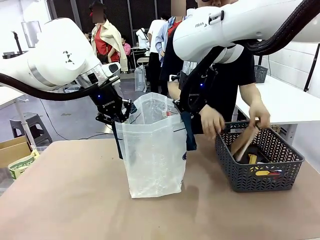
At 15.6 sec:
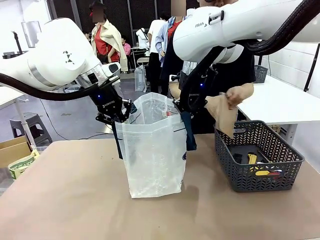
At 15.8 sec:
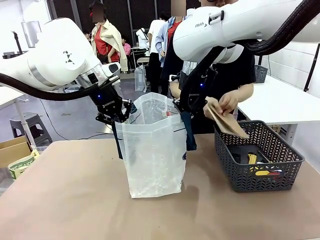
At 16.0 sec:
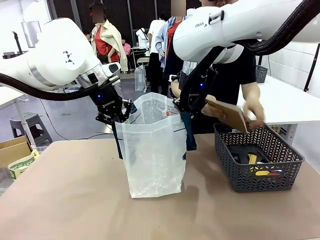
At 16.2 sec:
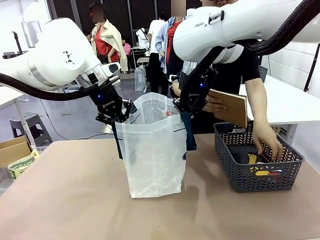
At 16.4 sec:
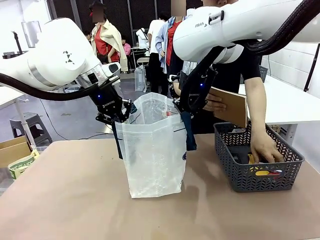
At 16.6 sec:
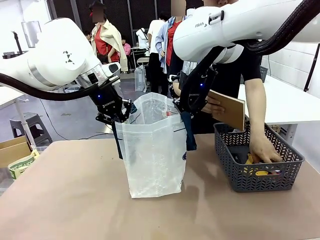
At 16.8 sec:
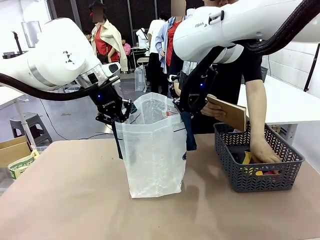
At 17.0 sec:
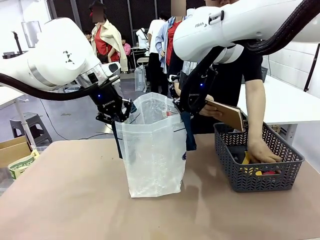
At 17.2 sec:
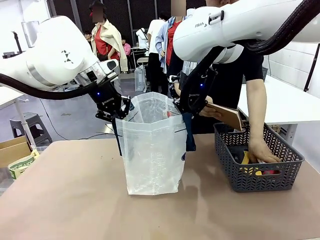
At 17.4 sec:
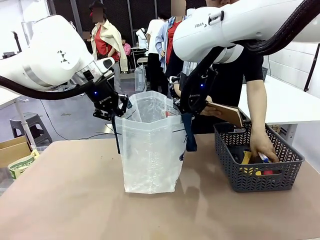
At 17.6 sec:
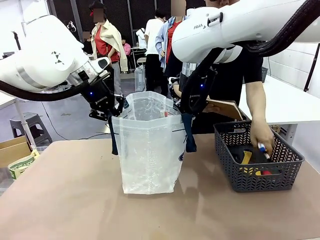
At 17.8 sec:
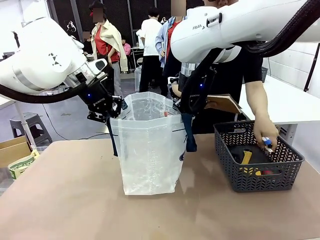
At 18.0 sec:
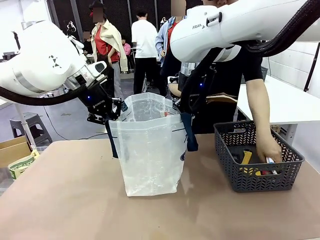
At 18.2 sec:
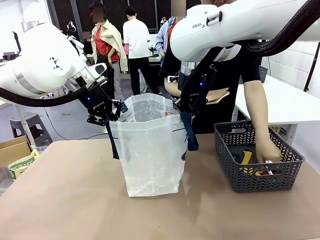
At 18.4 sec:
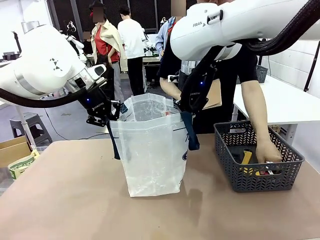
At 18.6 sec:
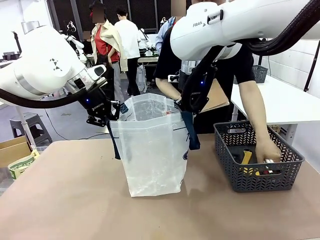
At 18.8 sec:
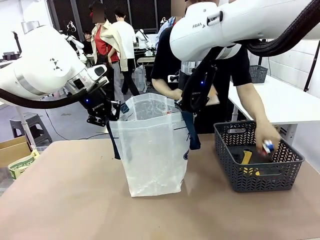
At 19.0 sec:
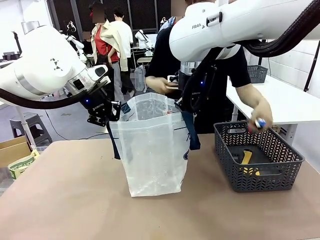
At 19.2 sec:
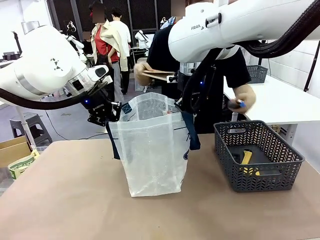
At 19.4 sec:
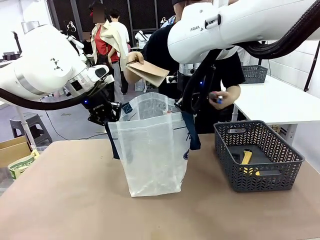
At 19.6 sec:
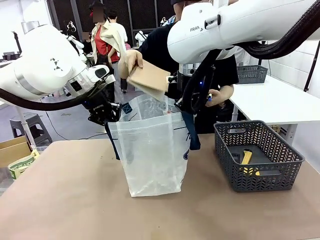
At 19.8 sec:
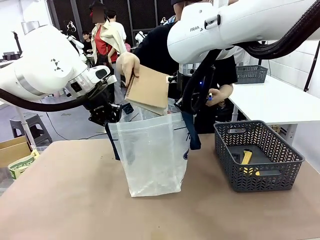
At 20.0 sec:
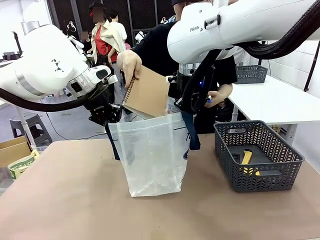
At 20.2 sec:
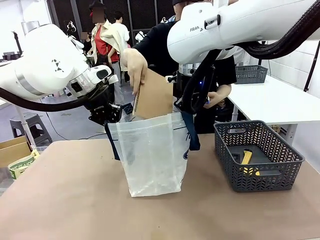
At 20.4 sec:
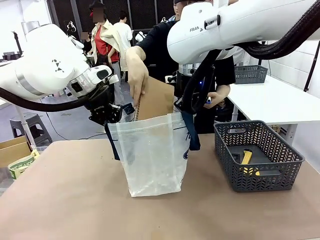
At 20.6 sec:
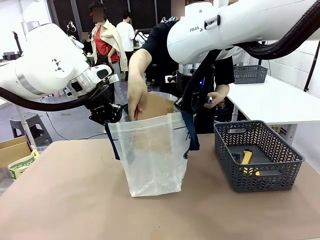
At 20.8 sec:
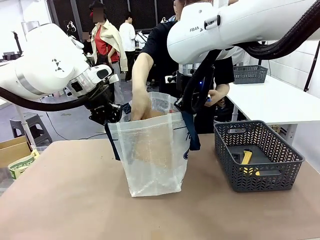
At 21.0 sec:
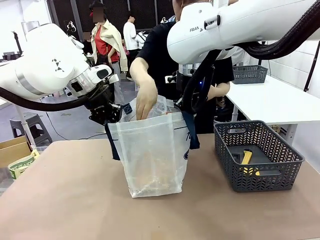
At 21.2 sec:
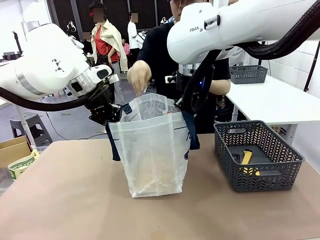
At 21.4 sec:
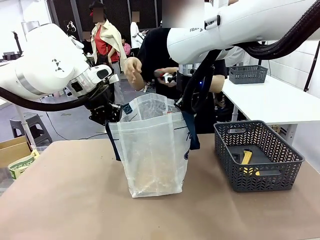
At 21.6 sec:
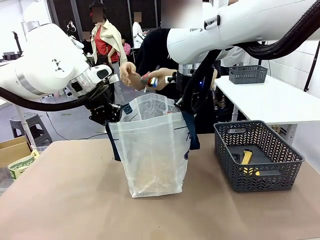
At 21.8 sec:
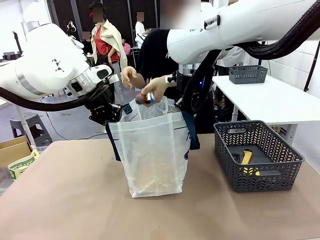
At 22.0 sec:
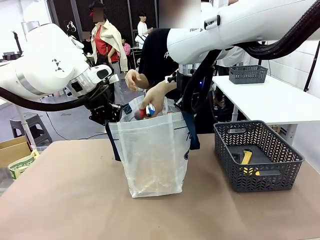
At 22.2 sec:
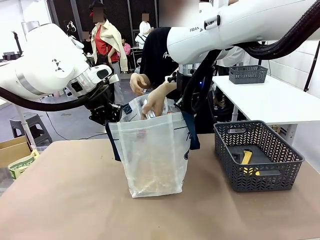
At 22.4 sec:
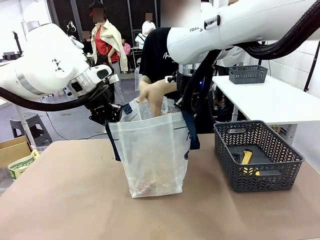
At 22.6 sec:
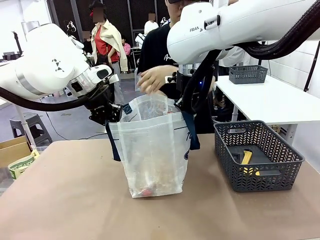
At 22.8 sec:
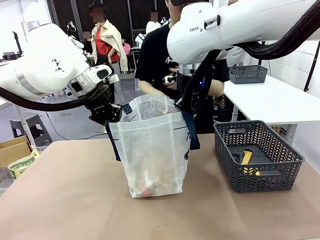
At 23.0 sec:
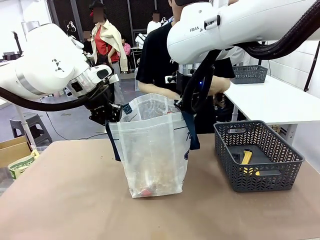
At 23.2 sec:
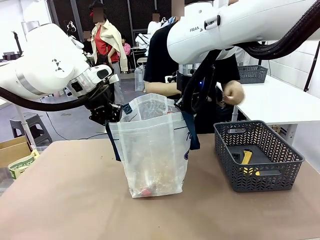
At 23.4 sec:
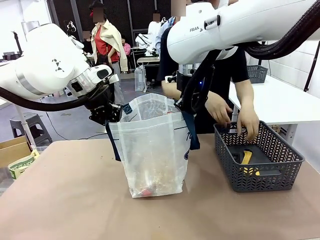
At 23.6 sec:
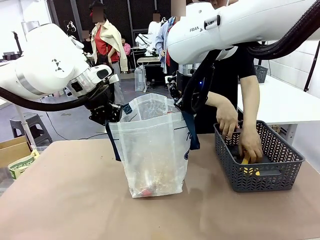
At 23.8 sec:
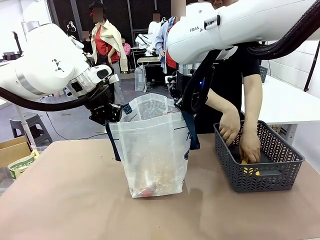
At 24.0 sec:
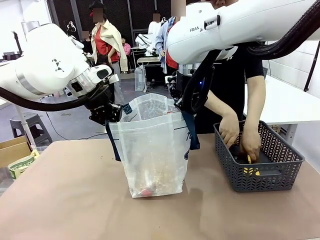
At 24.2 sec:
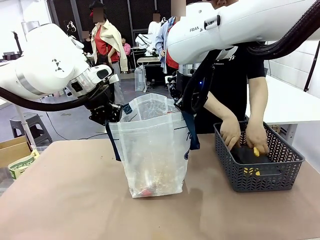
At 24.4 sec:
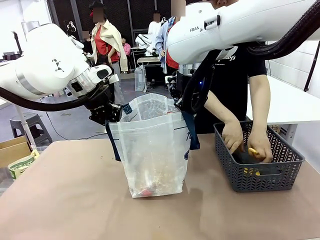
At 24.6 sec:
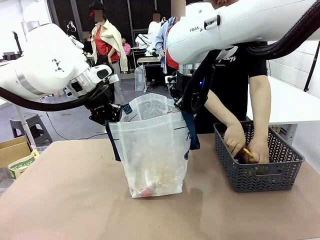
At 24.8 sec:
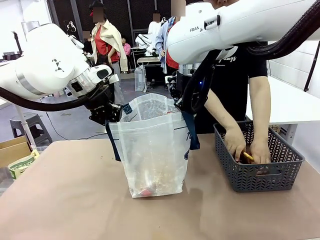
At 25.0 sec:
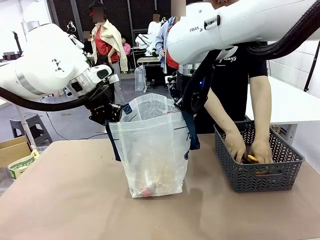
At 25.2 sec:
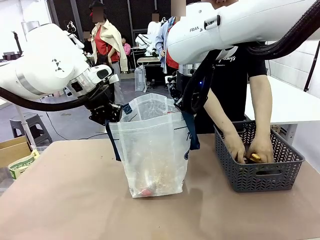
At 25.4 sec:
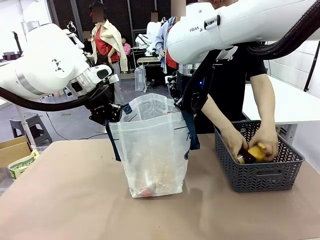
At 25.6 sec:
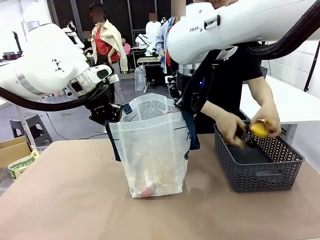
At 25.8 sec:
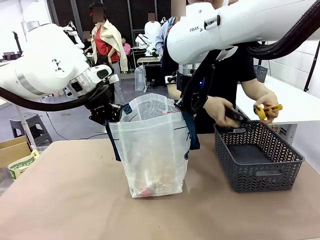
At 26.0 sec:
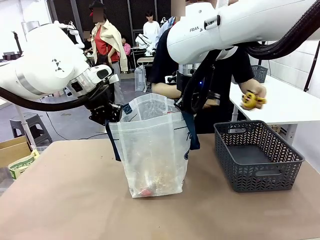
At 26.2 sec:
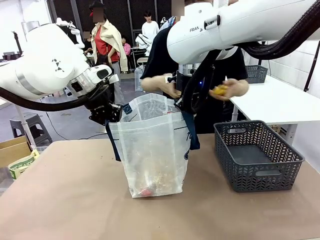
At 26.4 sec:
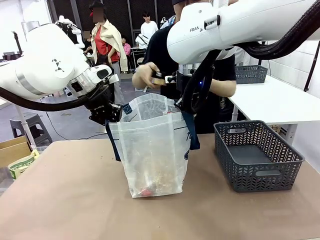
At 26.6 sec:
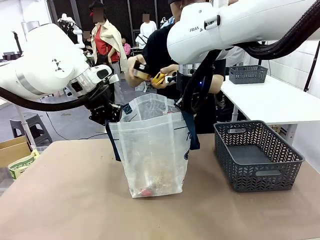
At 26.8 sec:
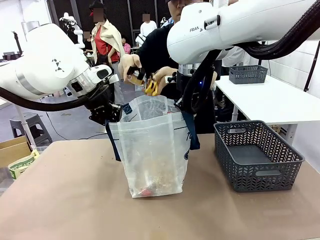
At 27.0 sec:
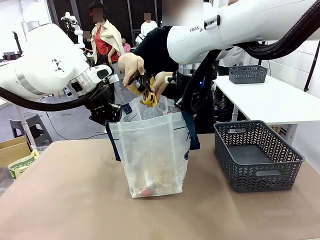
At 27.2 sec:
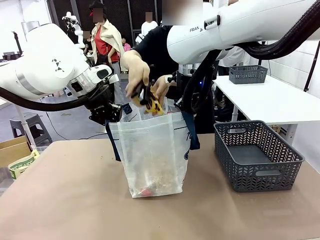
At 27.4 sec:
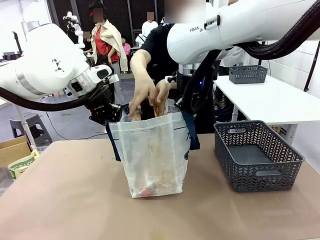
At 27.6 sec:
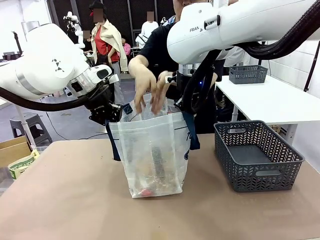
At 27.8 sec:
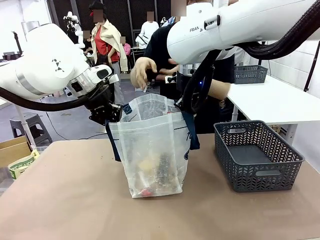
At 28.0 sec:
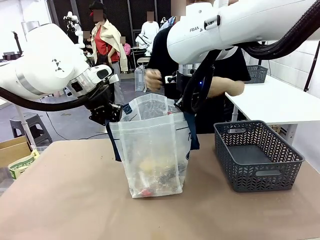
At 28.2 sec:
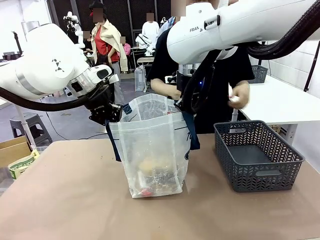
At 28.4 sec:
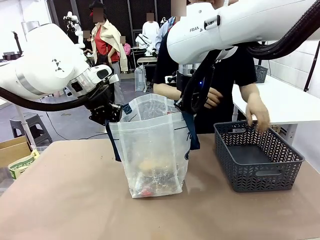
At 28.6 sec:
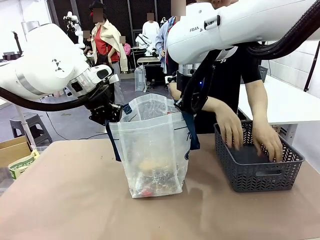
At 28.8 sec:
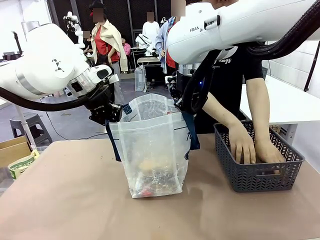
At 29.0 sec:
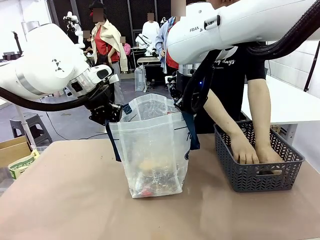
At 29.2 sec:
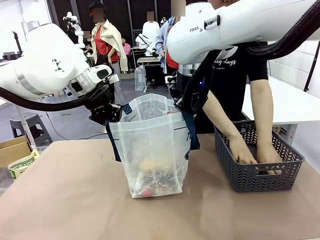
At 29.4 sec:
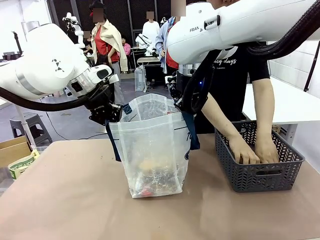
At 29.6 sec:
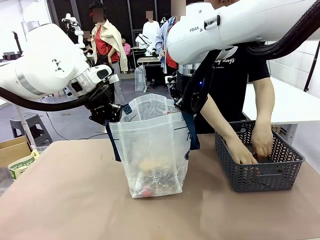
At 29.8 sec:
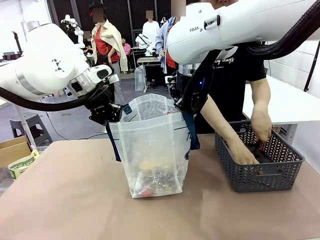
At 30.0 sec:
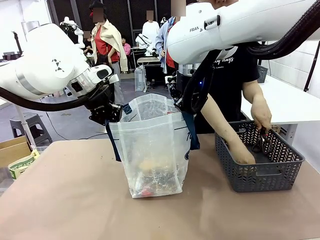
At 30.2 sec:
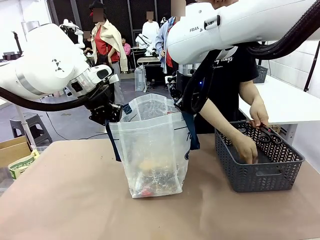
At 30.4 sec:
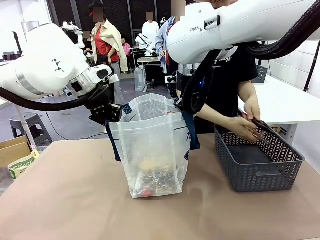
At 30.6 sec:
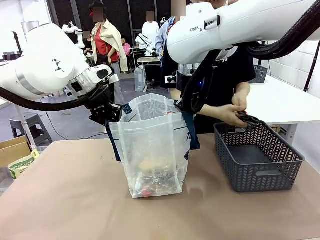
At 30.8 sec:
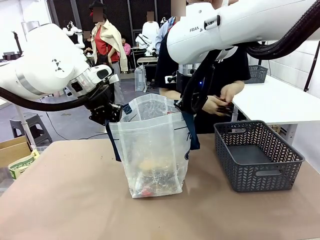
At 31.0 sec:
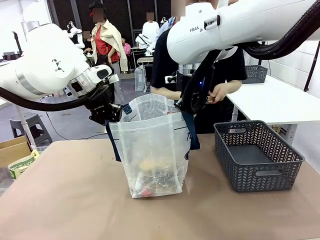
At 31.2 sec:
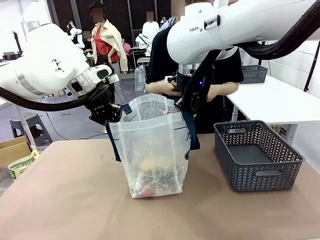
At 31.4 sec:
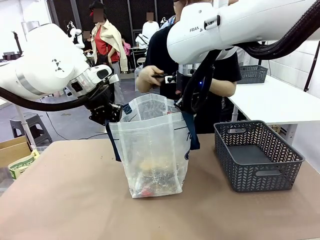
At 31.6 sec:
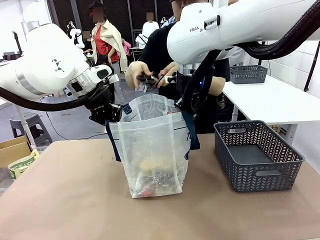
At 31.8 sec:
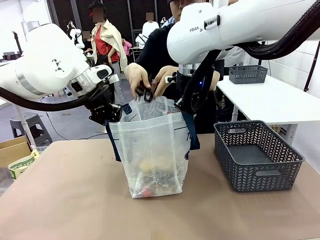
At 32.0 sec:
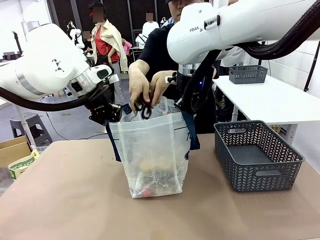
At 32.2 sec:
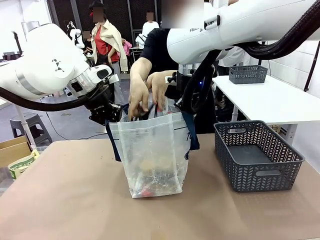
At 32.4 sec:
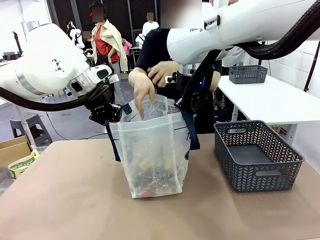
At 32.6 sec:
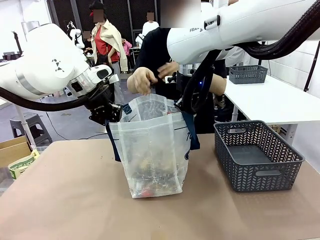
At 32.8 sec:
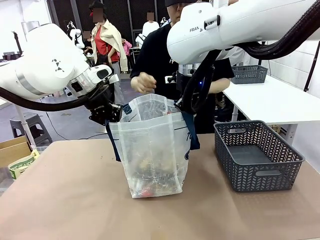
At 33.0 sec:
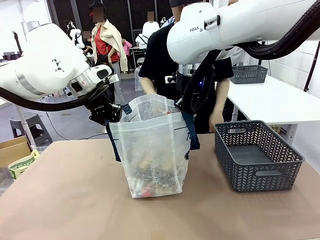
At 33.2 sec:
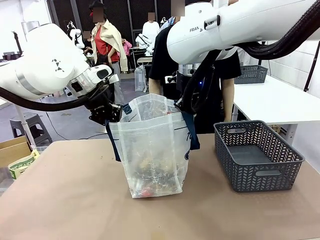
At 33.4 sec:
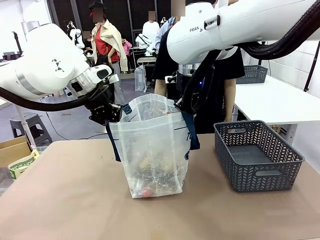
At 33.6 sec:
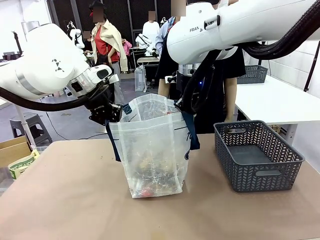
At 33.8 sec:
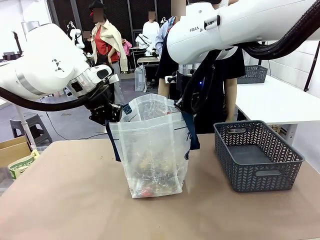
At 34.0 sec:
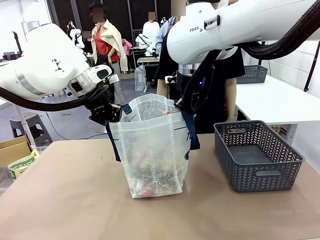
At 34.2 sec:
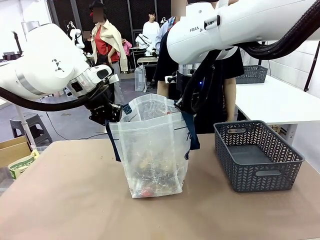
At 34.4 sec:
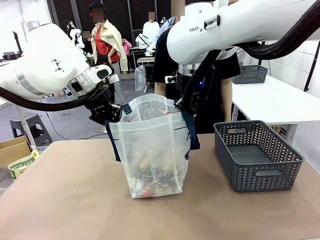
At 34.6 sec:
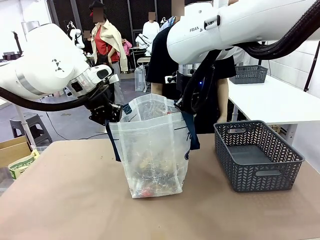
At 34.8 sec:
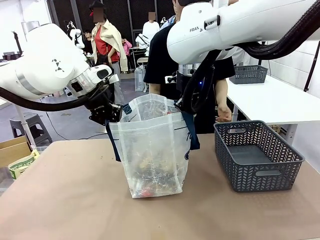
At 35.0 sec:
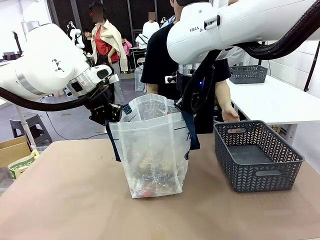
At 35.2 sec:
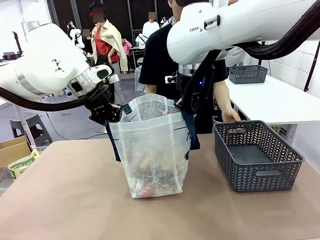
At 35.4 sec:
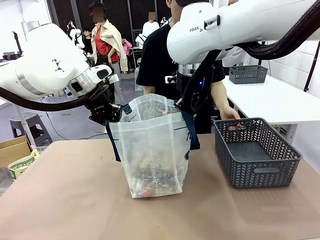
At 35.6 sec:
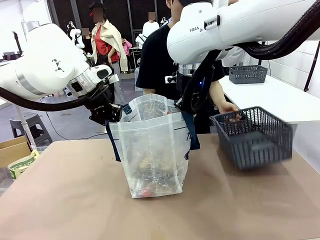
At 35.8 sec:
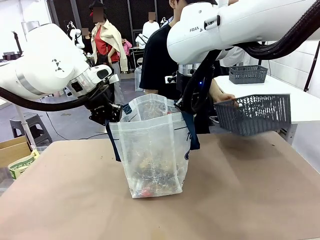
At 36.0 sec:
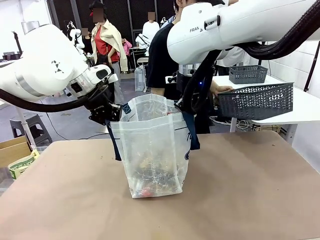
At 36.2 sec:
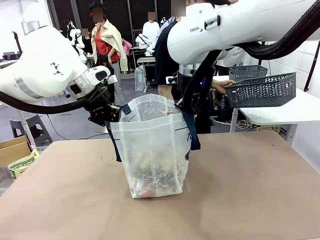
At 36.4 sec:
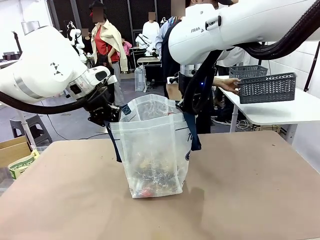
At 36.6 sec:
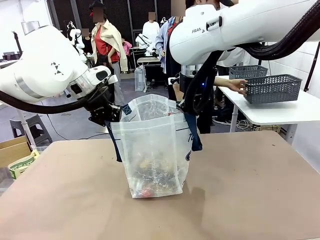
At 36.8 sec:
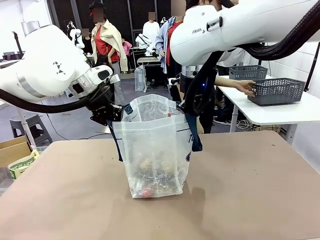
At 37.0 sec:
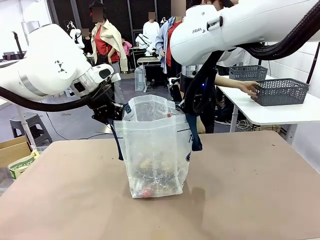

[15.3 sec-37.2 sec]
Task: Transfer purchased items from the store into the shopping bag.
Robot: Move the Reusable shopping bag to the right side of the table.
Person: Pick up the basket on the right, place it on the left side of the robot table, and move the items in the basket to the shopping bag. Pick up the basket with the items out and place it on the right side of the human table.
